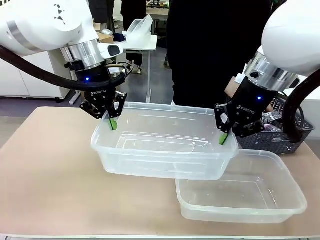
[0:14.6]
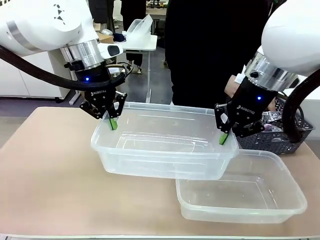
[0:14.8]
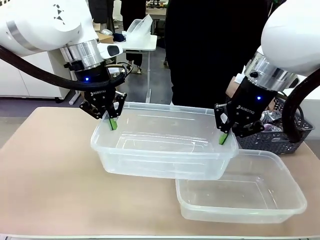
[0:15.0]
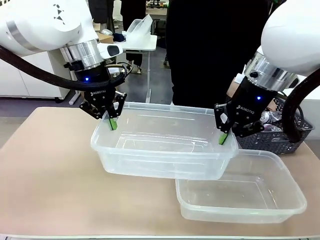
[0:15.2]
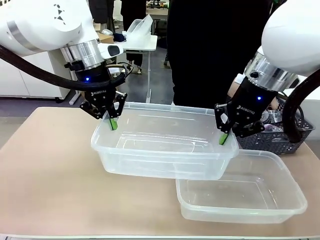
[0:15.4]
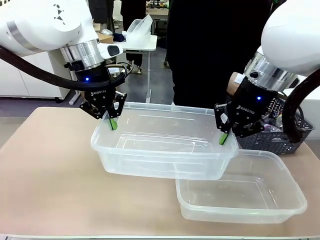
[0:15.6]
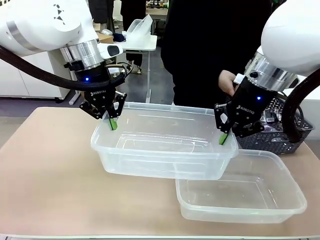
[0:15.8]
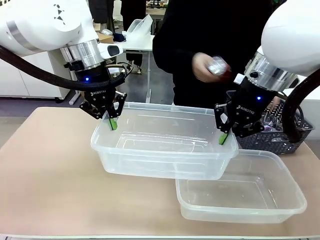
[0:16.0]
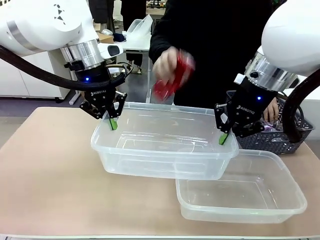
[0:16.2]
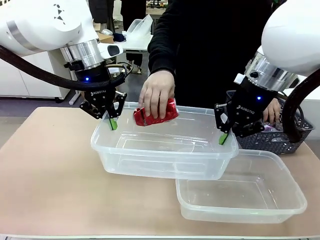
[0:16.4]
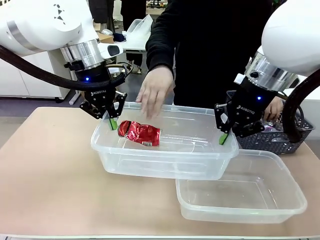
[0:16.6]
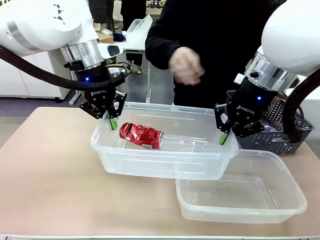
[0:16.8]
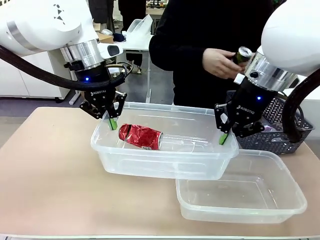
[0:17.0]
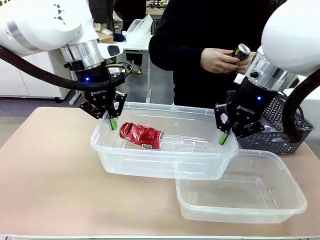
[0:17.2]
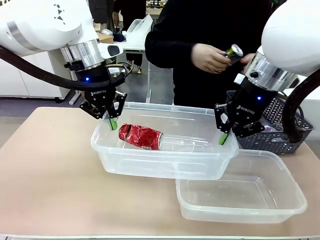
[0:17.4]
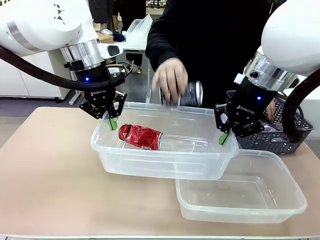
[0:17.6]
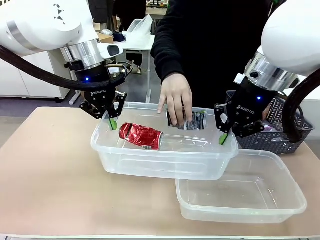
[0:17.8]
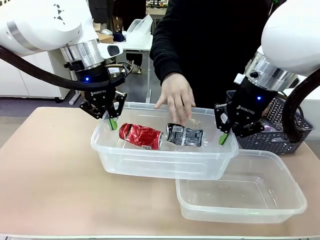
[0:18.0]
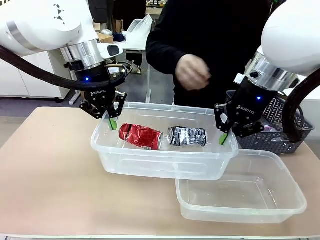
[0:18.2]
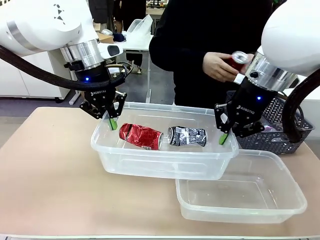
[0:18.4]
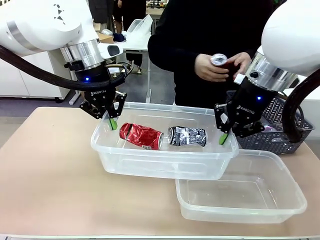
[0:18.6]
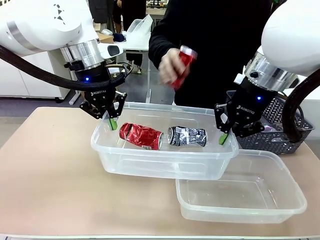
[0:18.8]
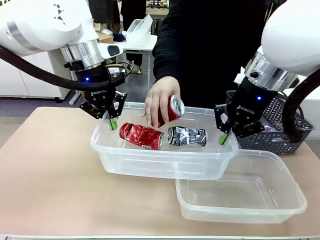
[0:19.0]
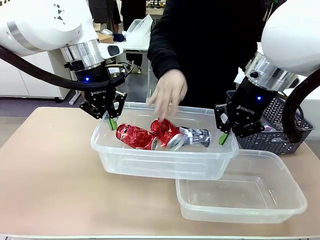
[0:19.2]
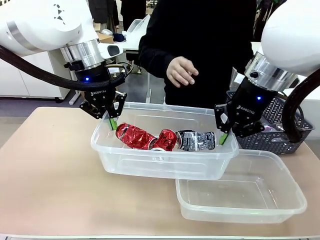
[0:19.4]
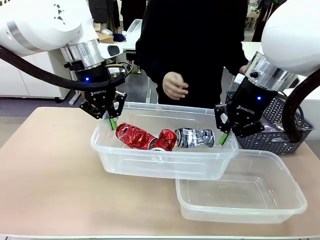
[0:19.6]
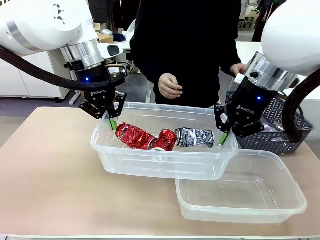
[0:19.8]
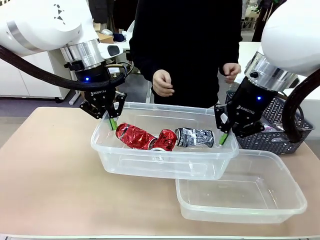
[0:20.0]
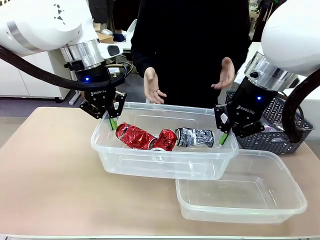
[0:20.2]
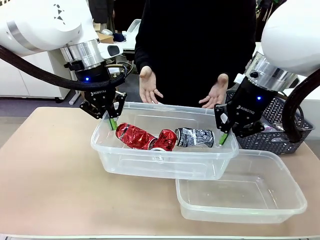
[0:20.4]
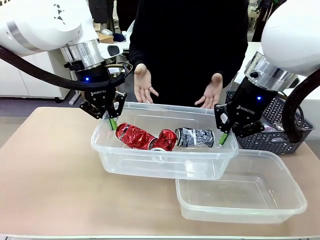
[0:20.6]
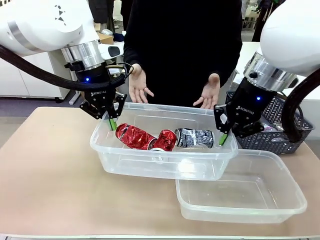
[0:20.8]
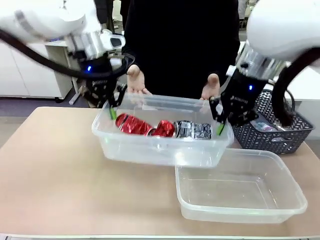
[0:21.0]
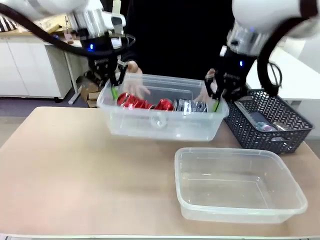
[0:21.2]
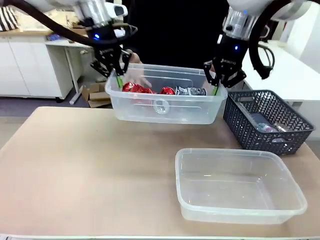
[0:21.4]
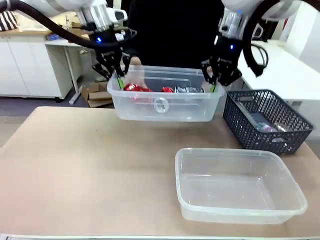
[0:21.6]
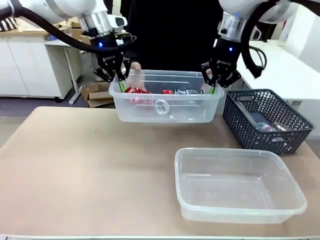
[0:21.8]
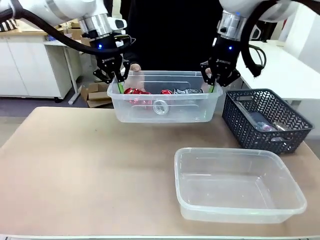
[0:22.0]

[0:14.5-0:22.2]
Robot: Offer the picked Organizing box to the human.

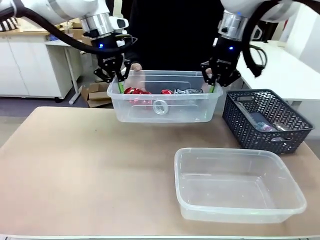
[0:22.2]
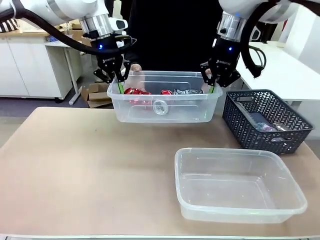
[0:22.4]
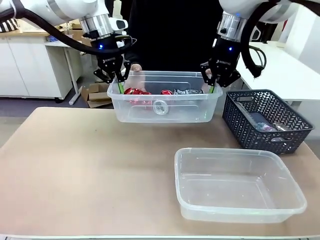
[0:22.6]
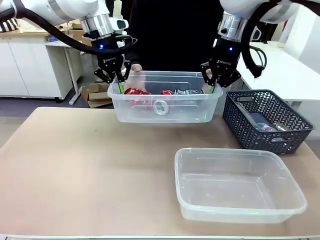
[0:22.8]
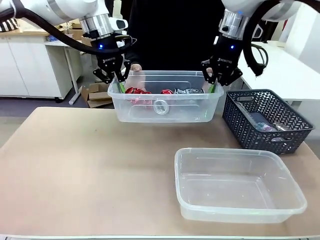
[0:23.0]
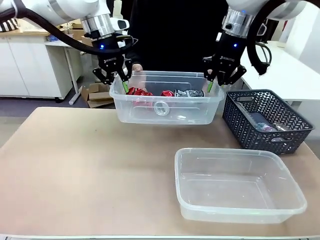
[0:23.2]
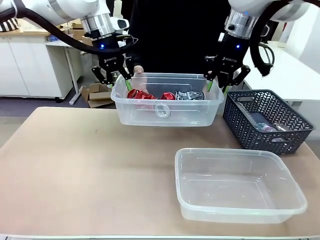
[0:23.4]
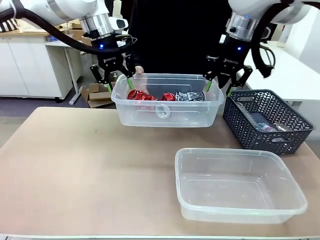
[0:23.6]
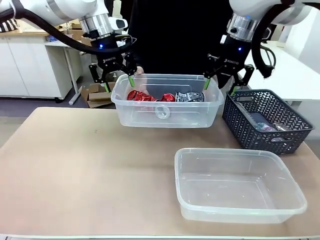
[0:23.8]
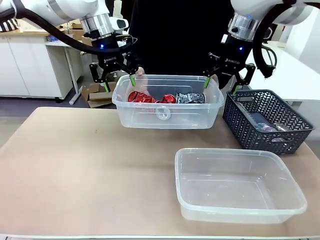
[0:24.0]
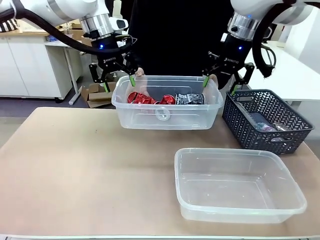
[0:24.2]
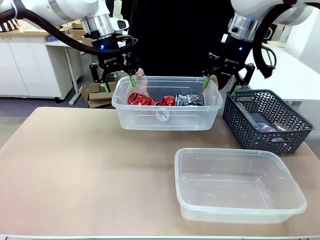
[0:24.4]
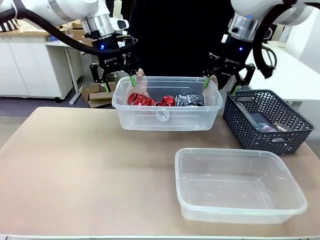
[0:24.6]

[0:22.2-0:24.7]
Robot: Release the Organizing box you were holding.

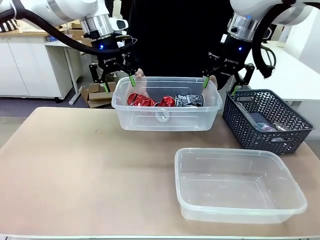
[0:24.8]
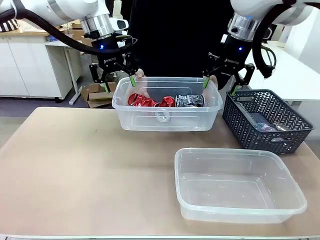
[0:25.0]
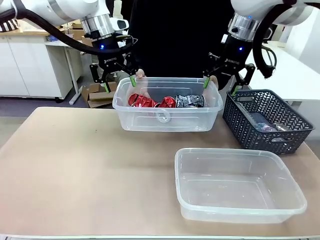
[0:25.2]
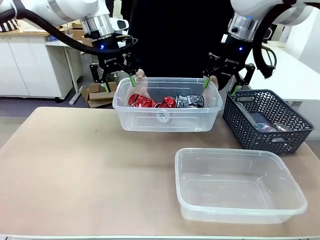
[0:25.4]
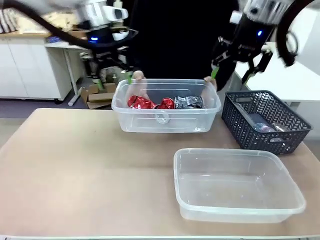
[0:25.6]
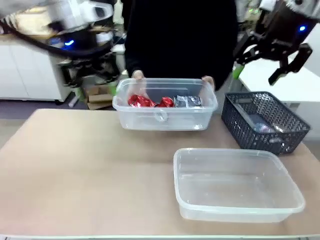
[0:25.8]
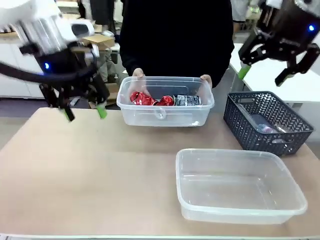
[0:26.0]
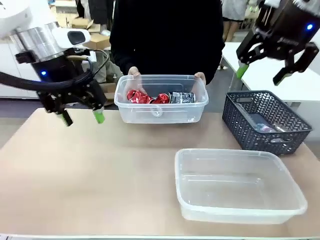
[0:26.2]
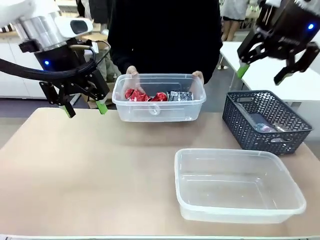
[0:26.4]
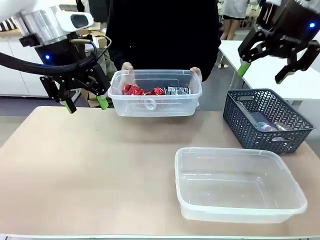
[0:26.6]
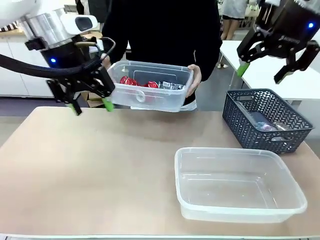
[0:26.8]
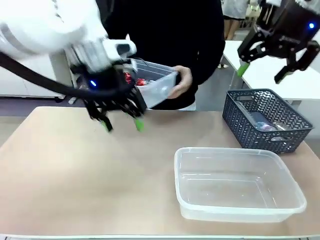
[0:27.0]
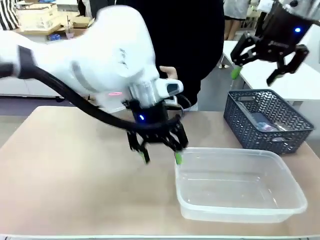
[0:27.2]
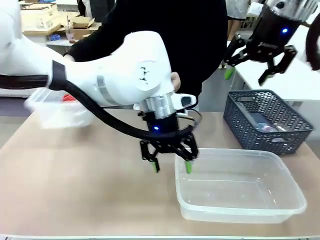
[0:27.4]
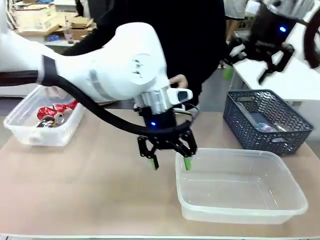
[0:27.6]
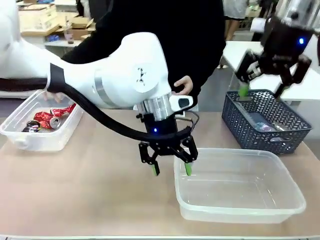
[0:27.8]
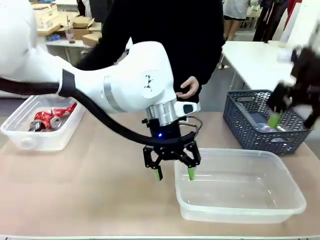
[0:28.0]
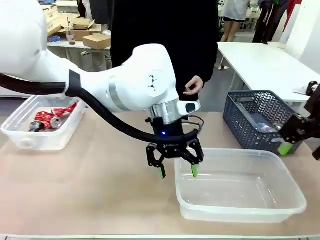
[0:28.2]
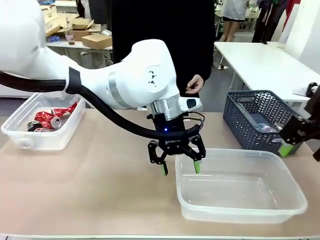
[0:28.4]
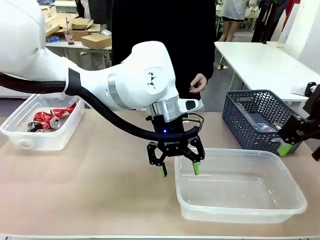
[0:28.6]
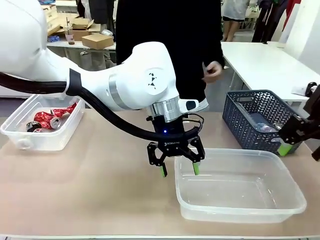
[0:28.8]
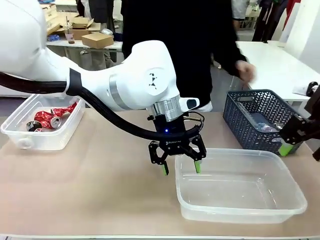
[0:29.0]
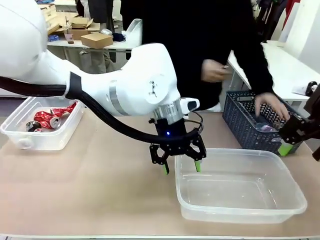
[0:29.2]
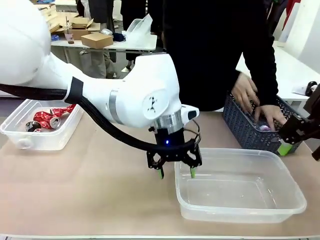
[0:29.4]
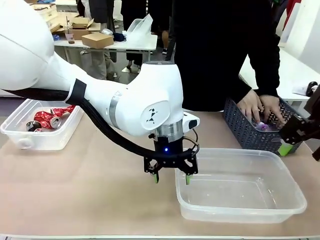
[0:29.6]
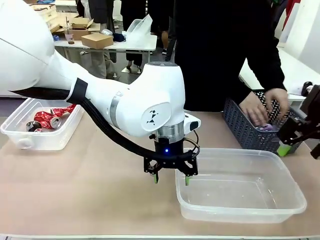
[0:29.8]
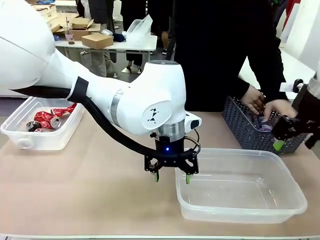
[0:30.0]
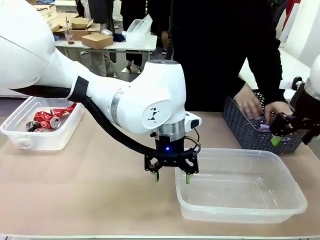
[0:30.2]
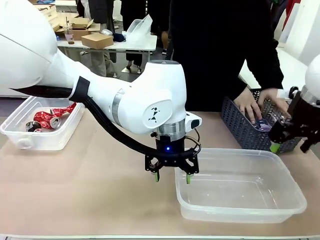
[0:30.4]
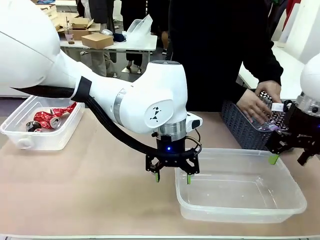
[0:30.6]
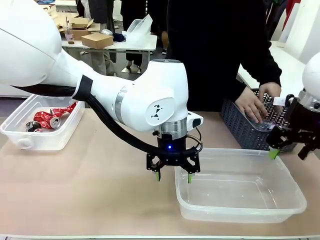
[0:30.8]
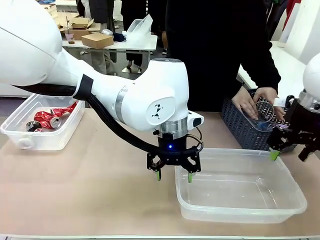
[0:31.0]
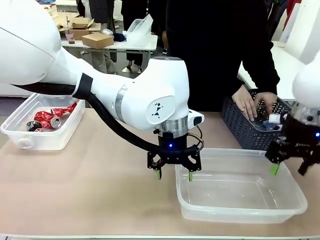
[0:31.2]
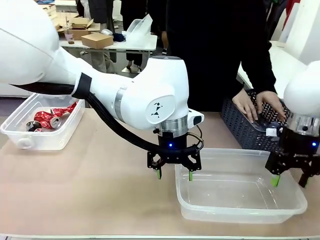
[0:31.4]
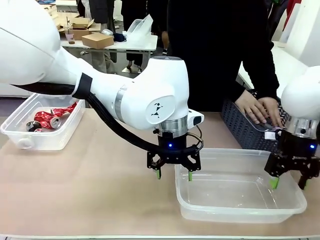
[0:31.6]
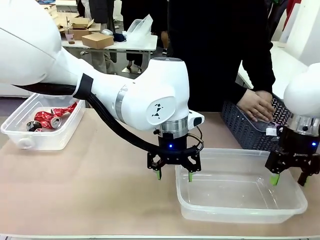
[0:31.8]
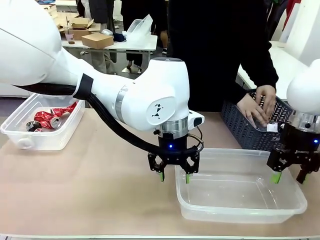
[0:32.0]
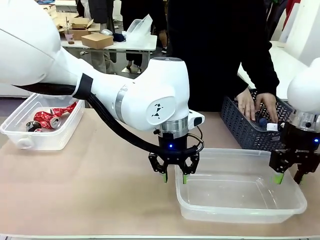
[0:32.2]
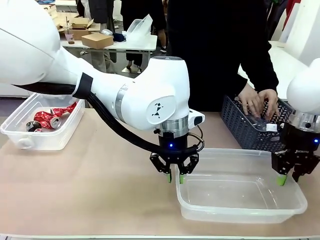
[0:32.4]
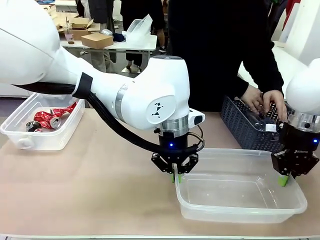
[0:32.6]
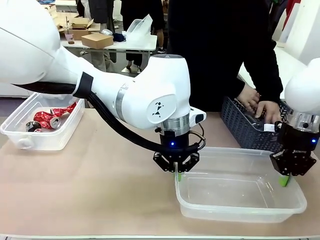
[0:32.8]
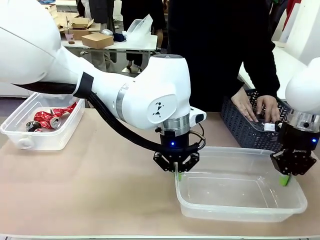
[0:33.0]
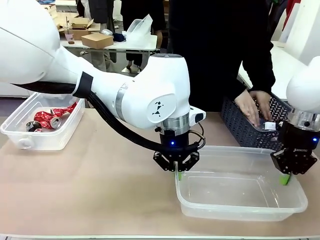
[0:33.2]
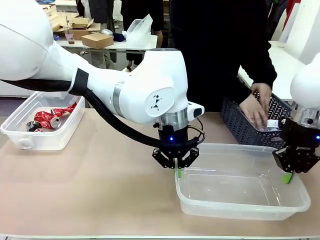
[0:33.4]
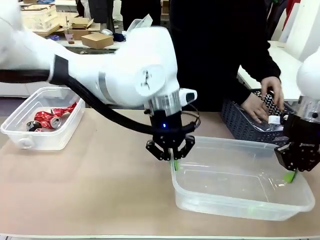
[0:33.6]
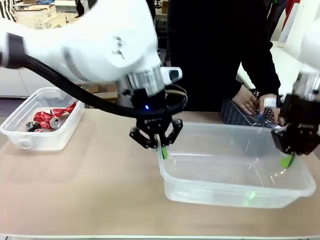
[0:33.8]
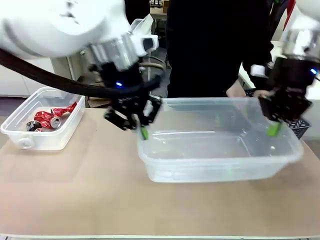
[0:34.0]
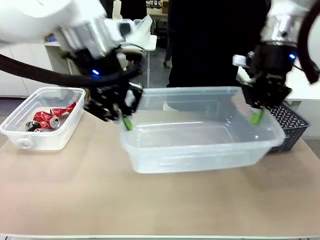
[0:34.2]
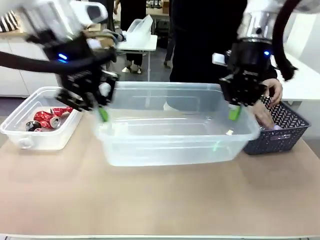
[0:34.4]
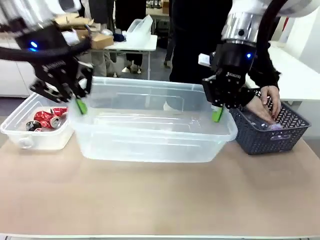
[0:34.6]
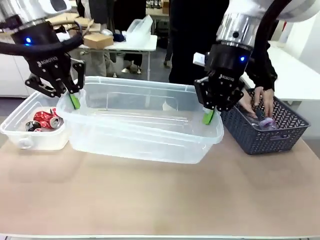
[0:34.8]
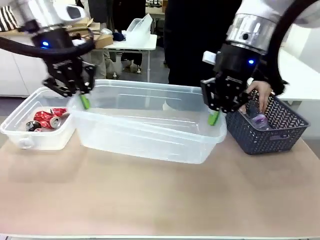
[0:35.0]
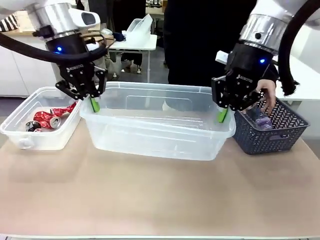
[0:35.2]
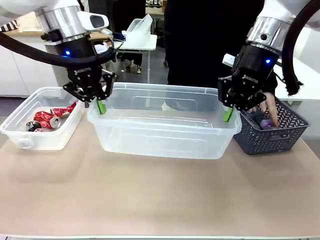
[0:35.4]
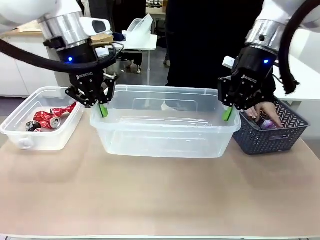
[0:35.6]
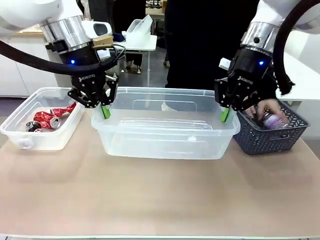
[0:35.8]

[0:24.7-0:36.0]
Robot: Pick up the Organizing box on the right side of the table and lift it.
Person: Place it at the edge of the bottom right area of the robot table. Pick up plastic waste one by one and place it into the organizing box lifted by the robot.
